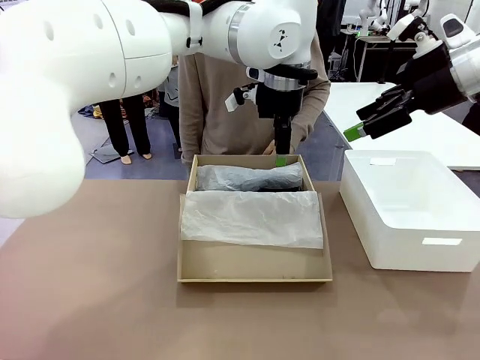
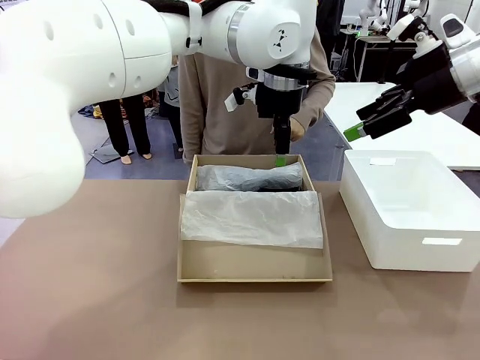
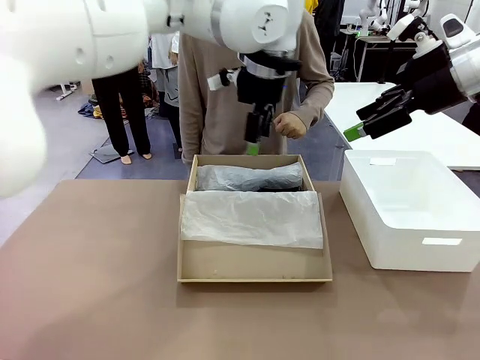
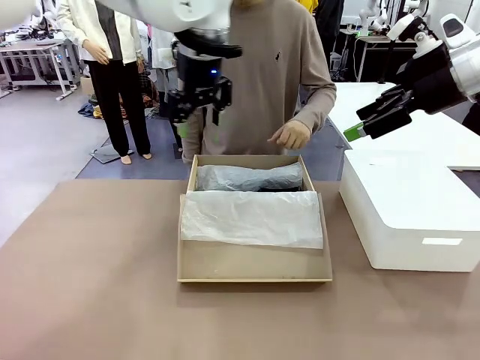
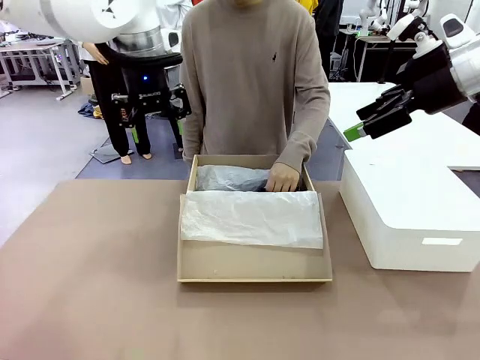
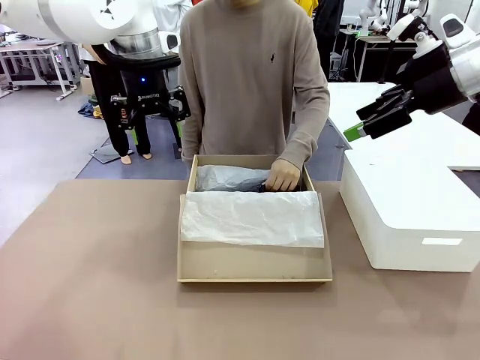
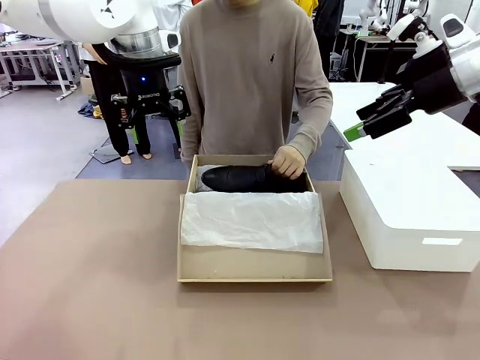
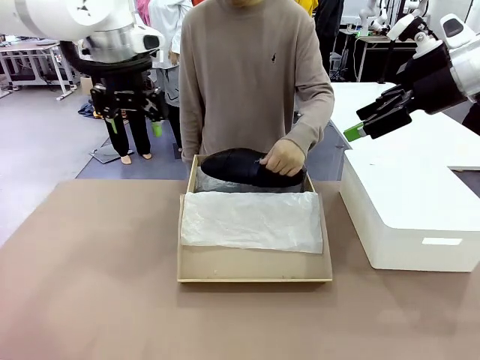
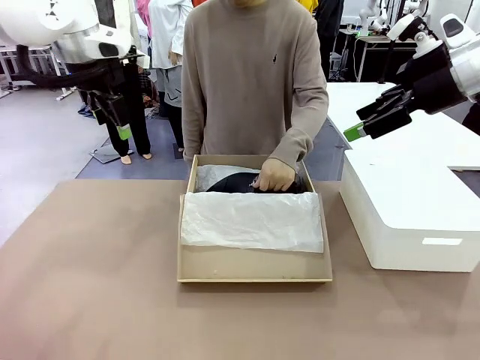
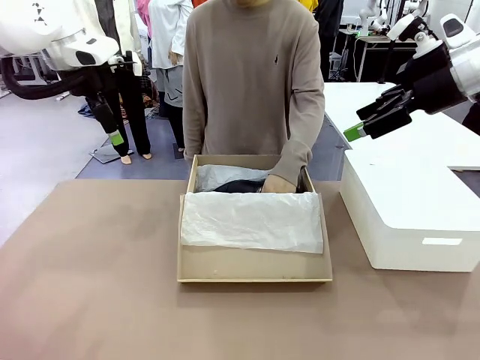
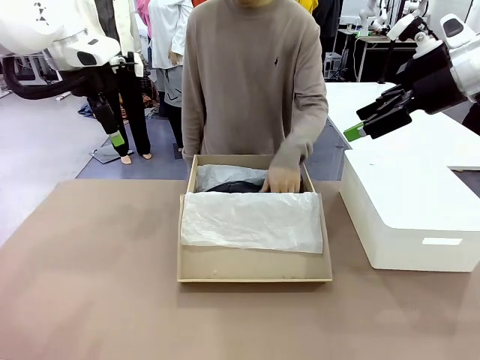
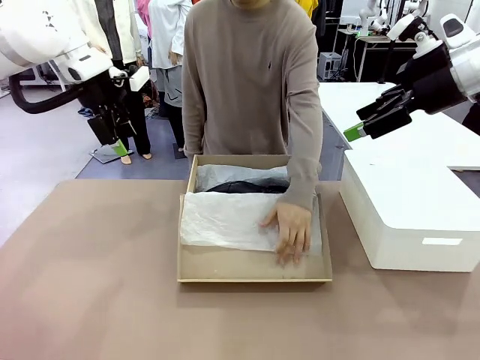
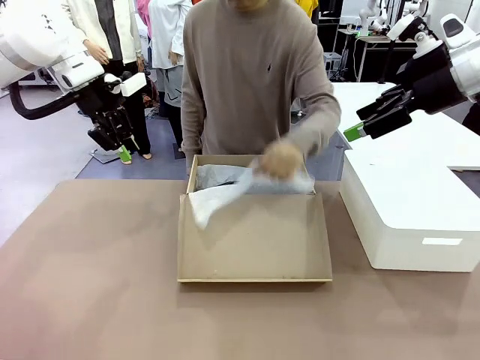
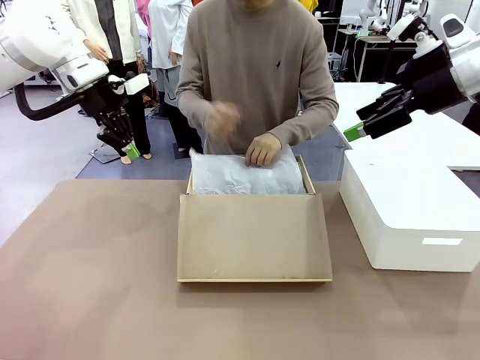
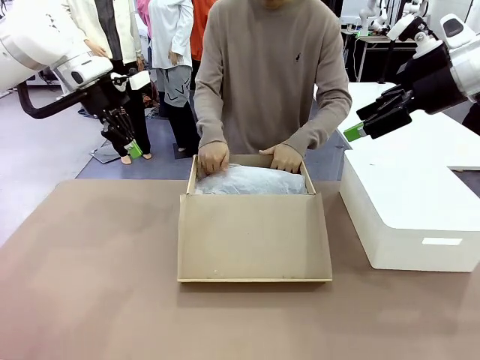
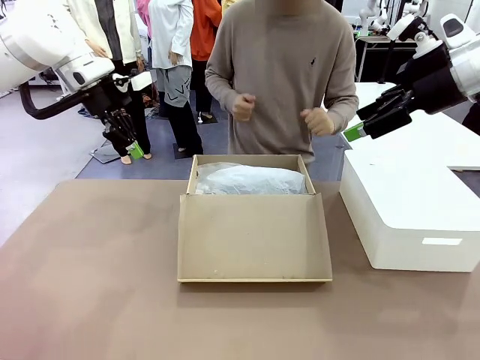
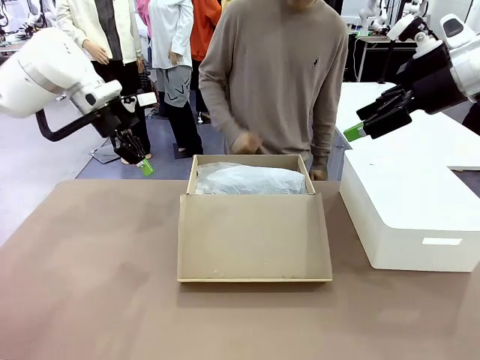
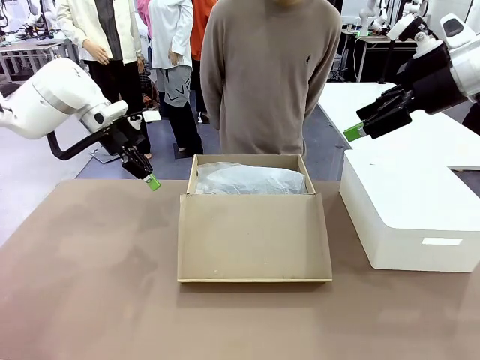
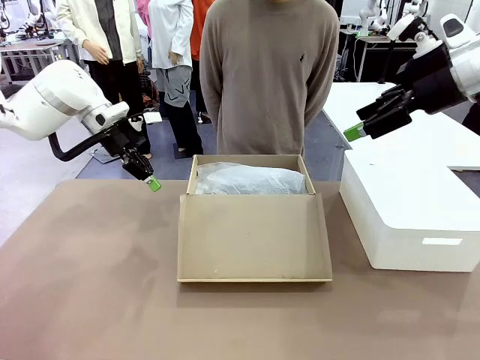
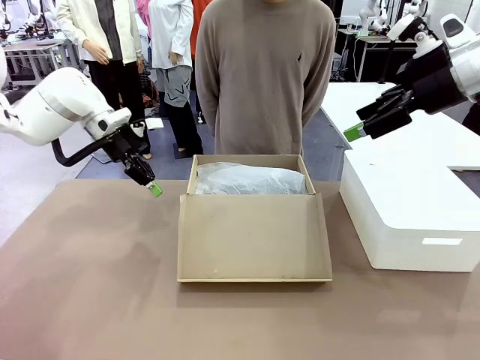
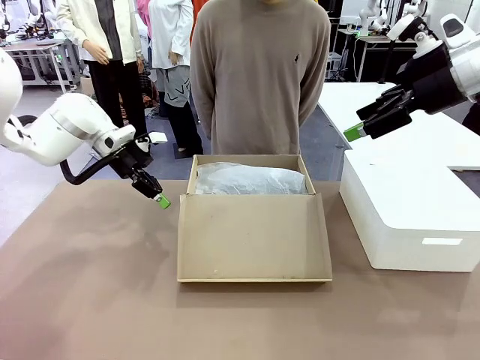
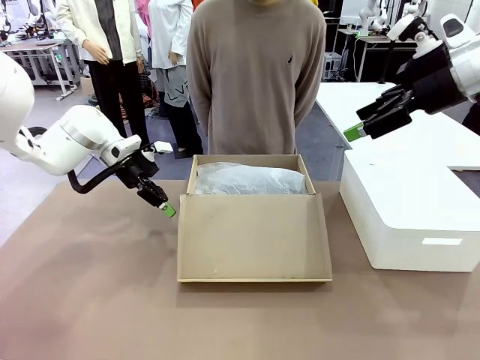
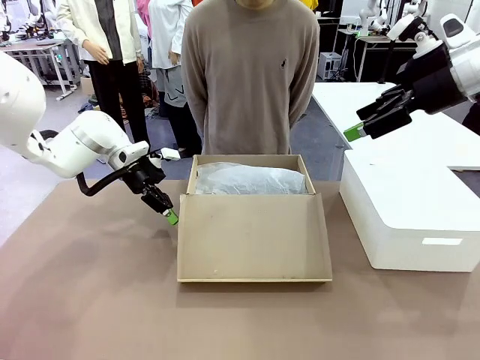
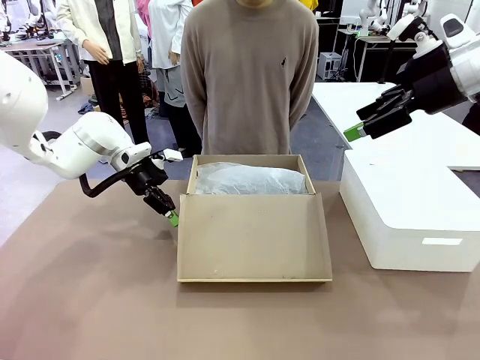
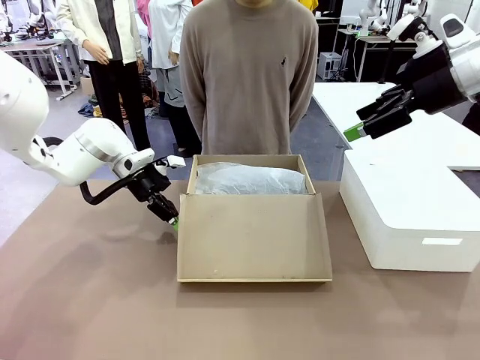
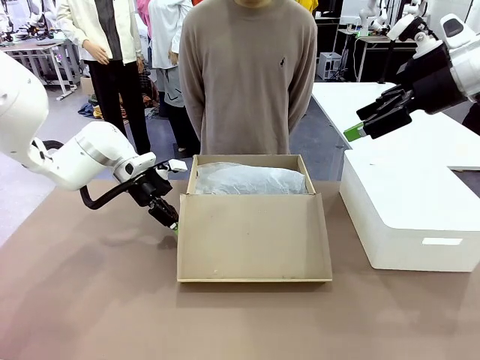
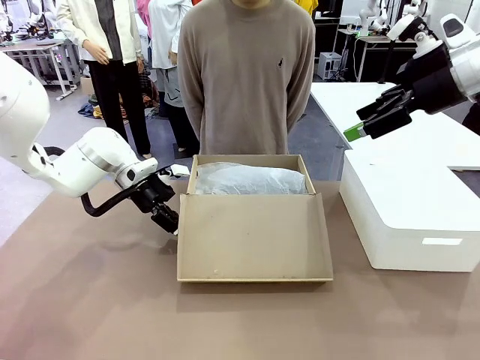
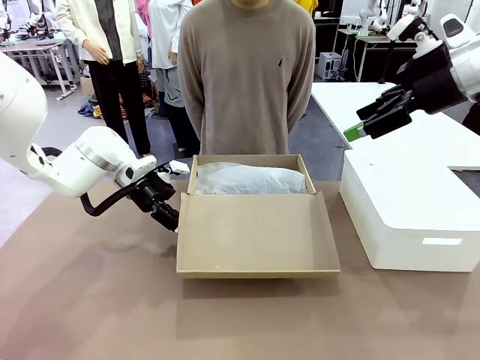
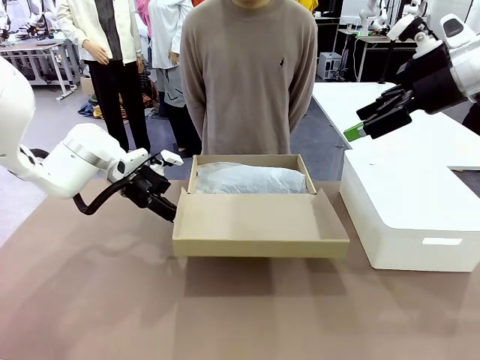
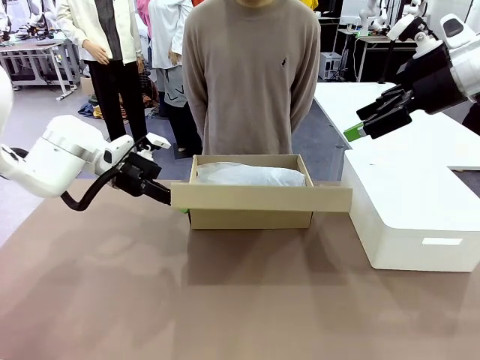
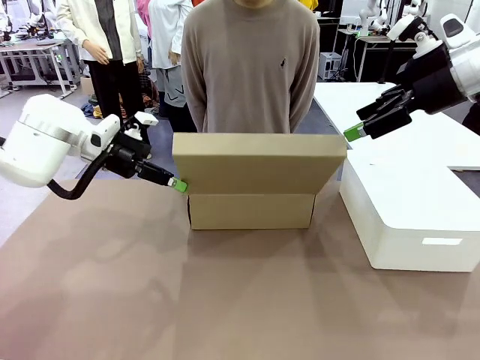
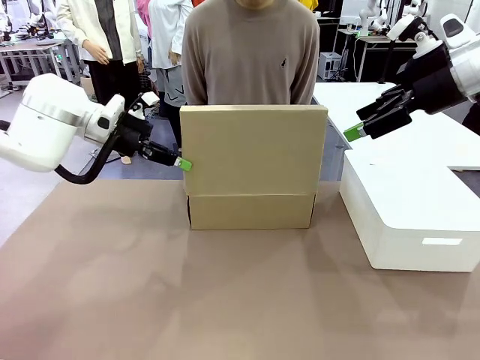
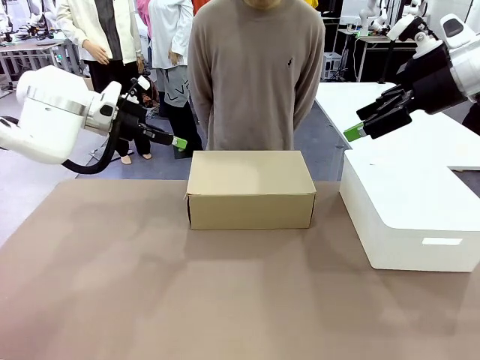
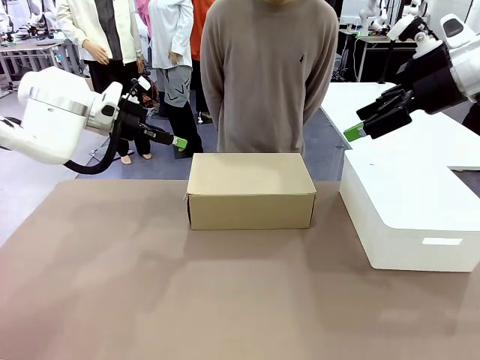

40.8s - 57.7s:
Task: Pack the shoes into the box.
Robot: Close the Shoes Box.

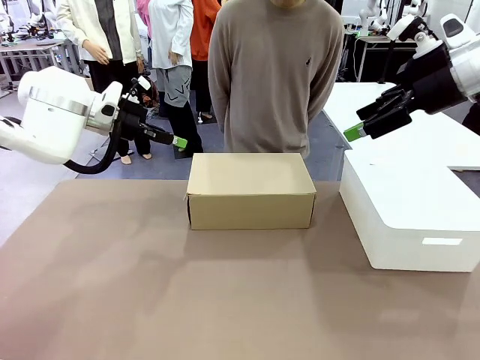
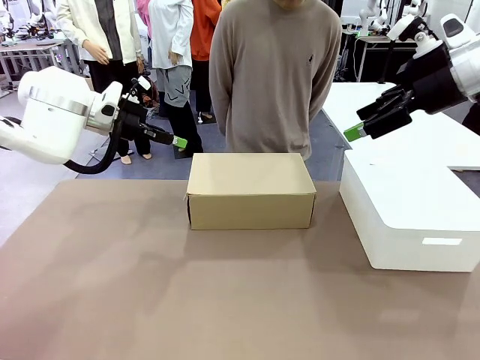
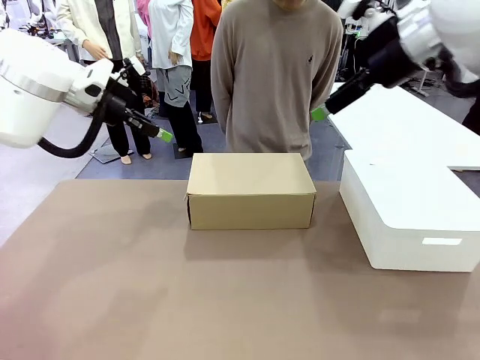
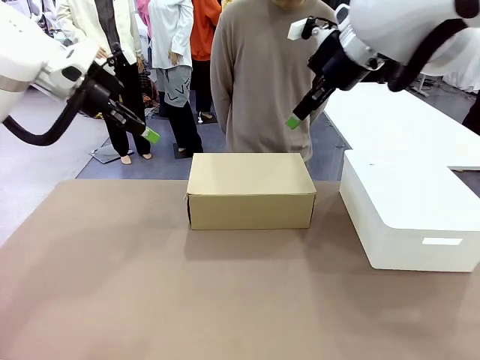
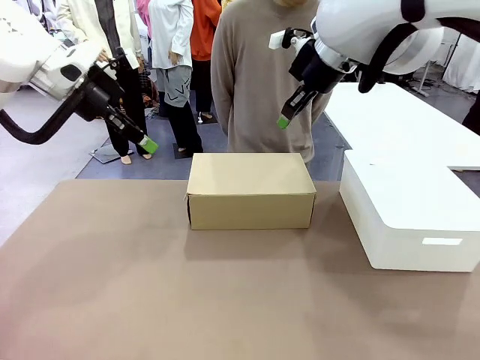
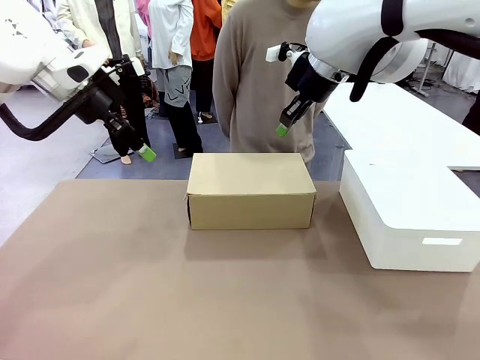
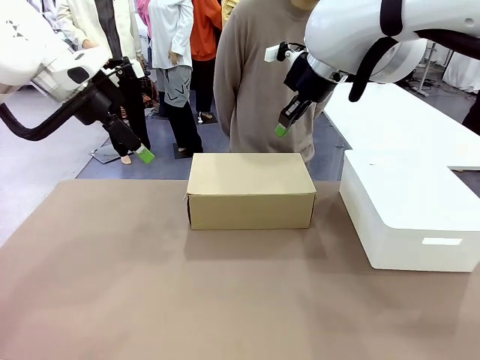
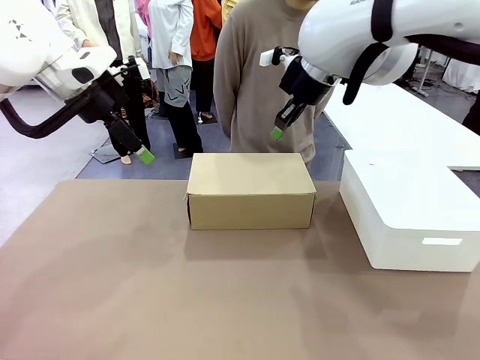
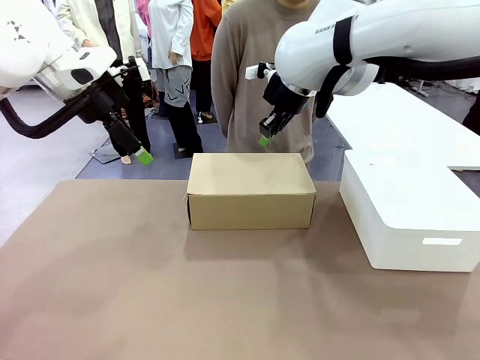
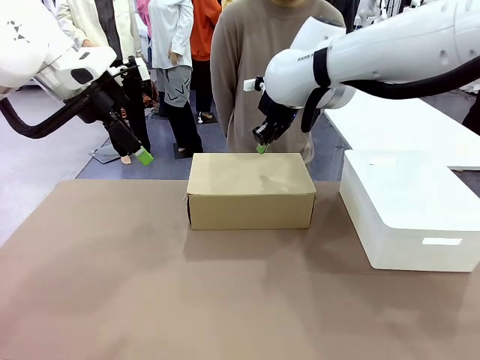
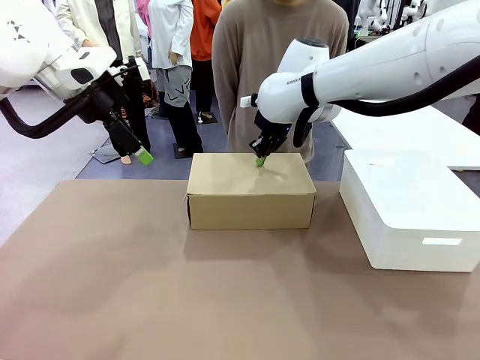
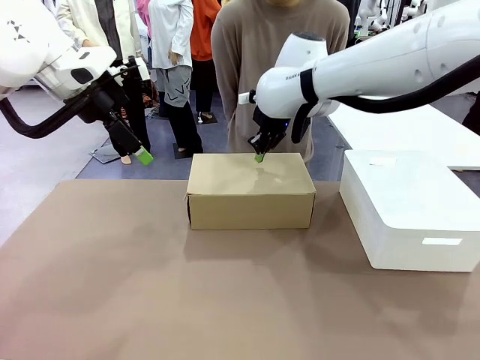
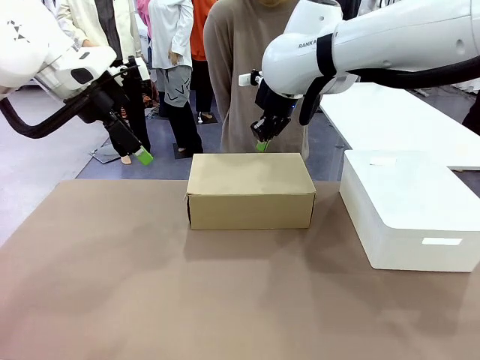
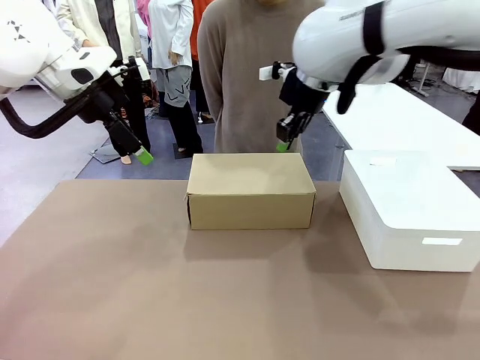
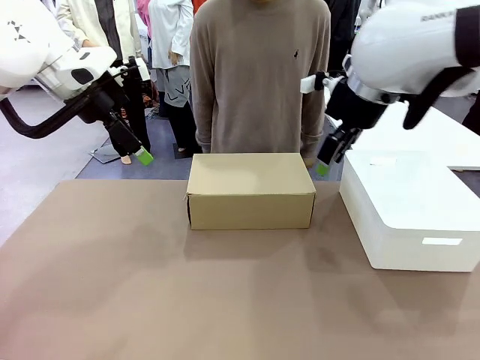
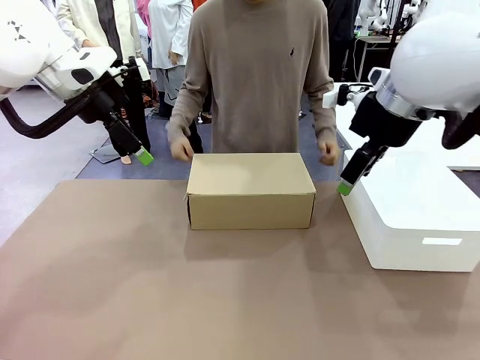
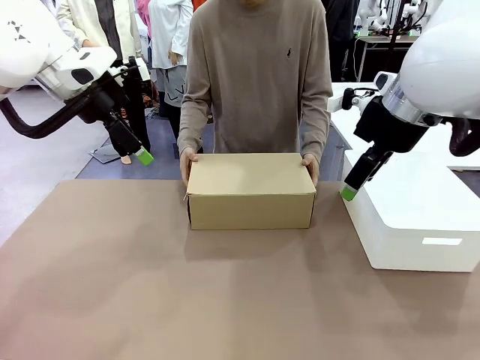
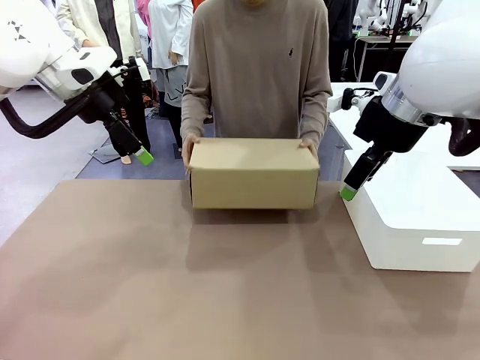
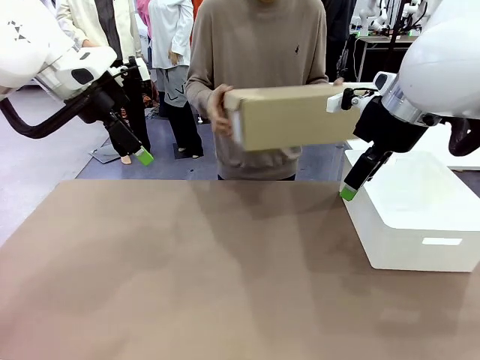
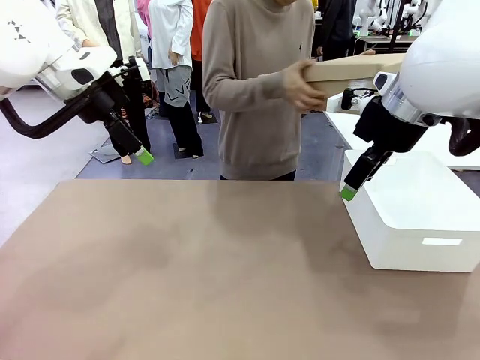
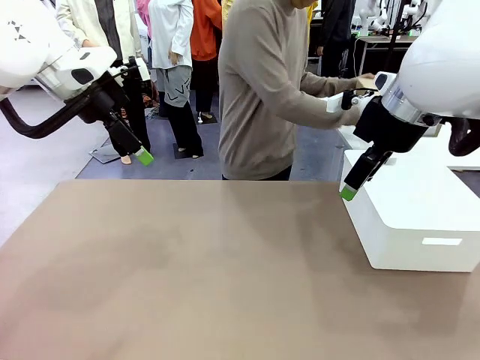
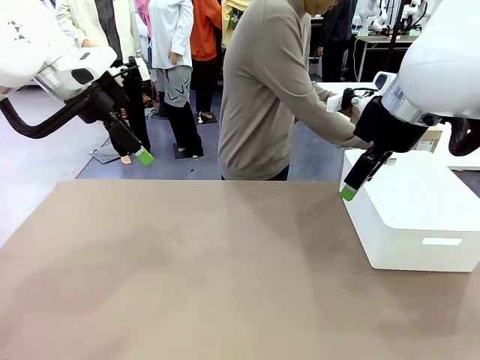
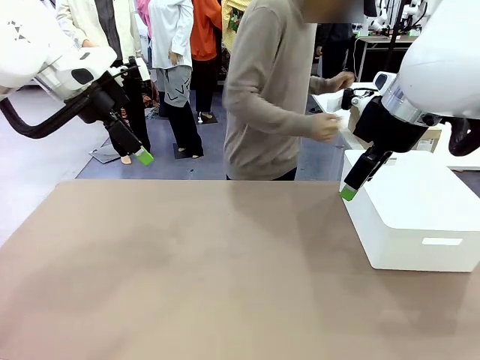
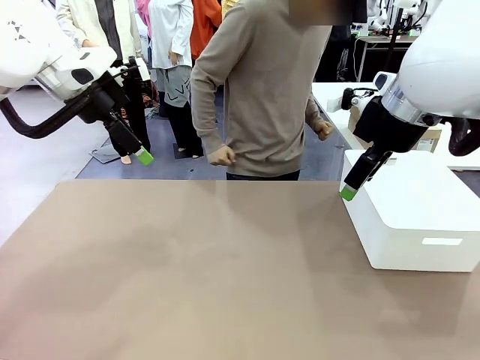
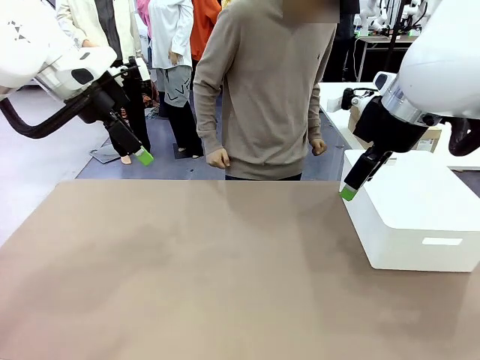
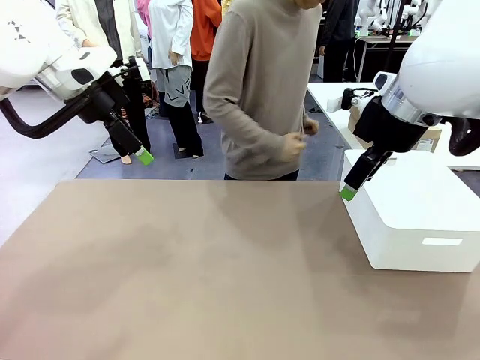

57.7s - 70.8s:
Robot: Press down on the lid of the Shoes Box.
Person: Place the closed Shoes Box to the right side of the human table.
